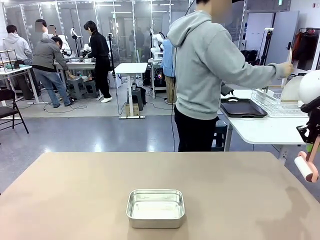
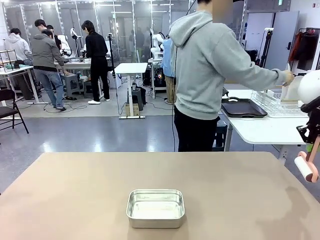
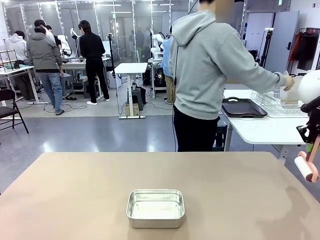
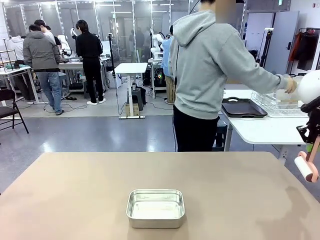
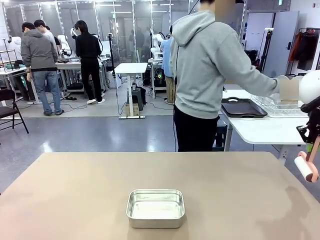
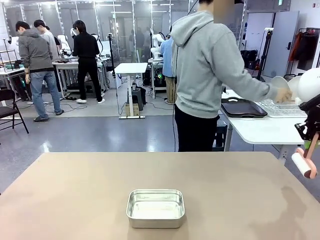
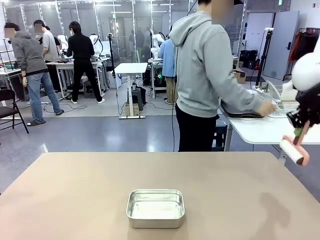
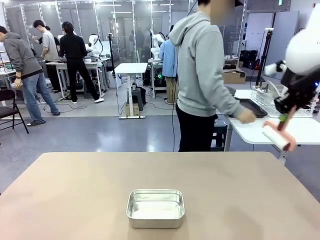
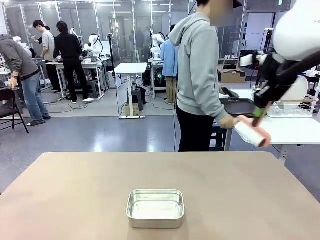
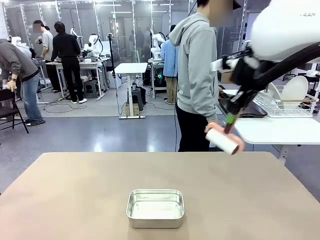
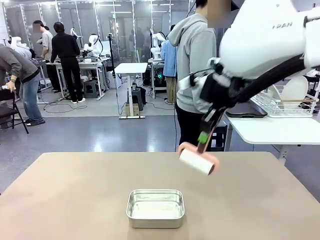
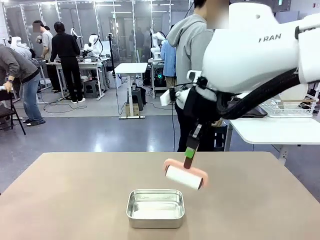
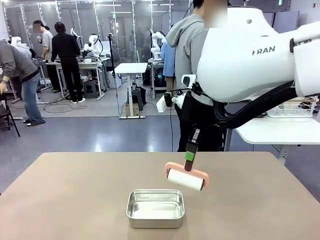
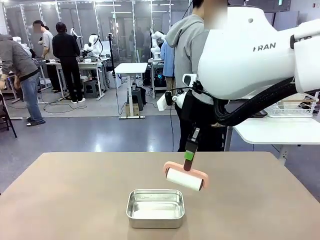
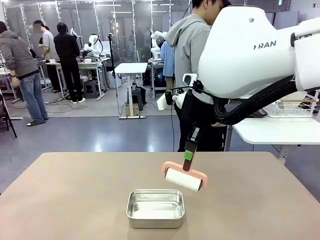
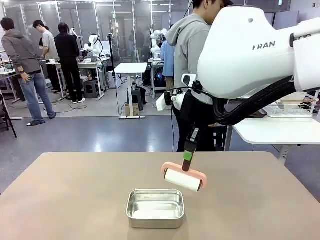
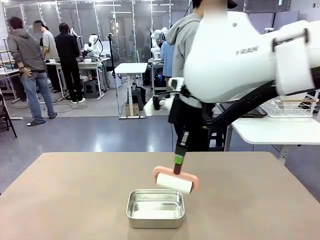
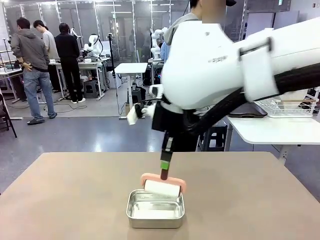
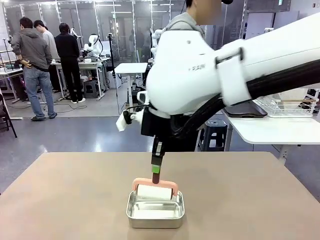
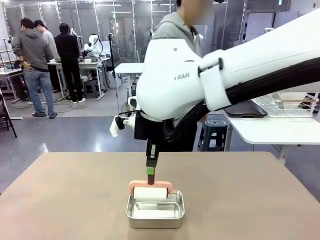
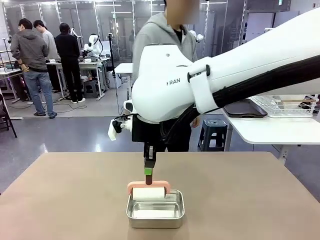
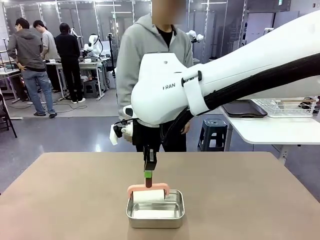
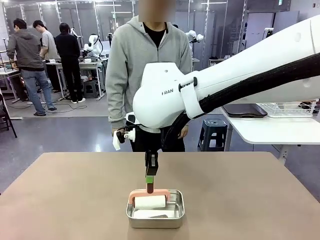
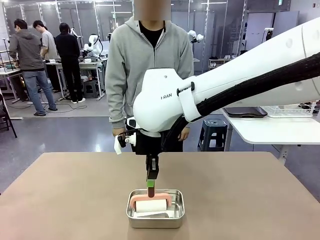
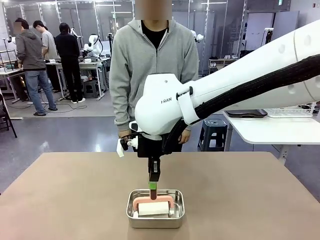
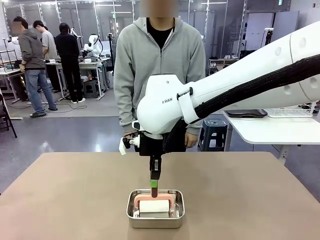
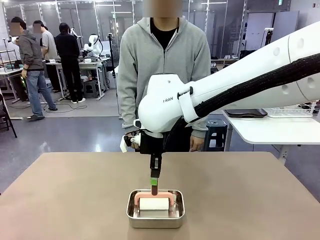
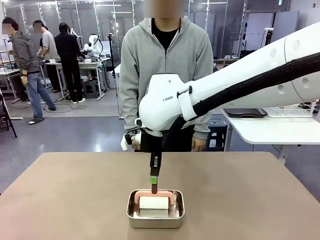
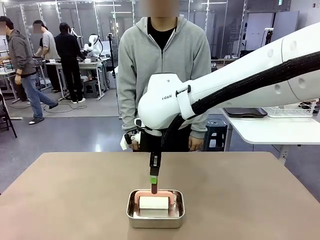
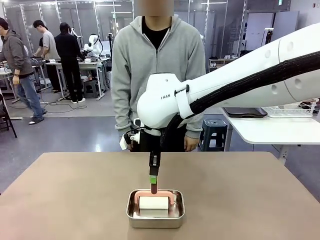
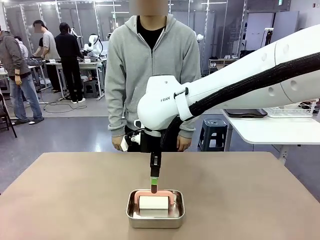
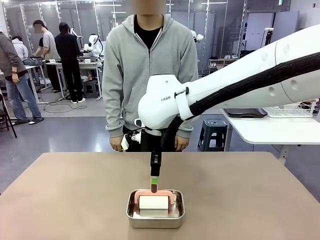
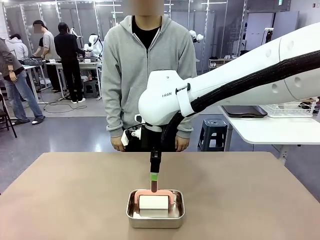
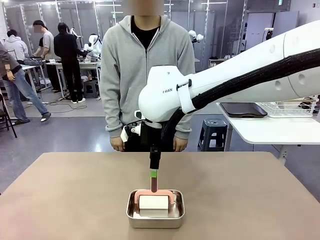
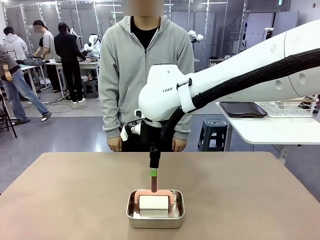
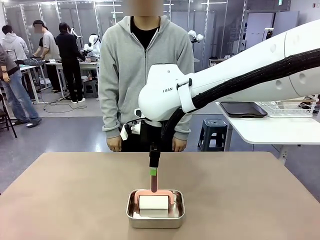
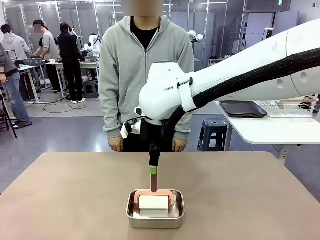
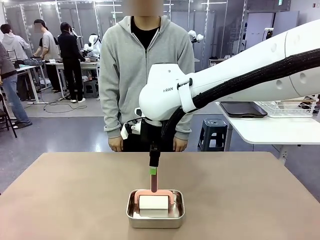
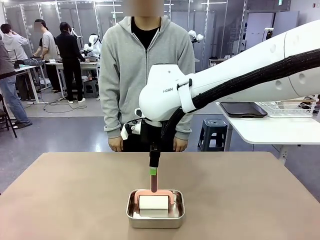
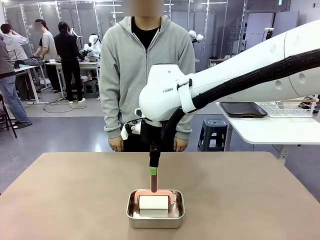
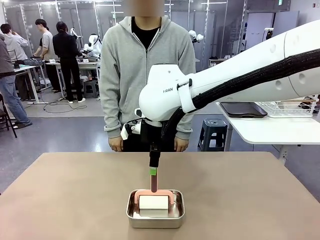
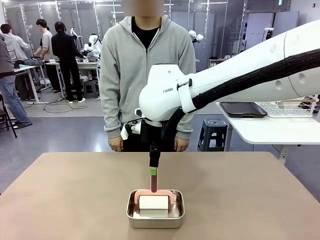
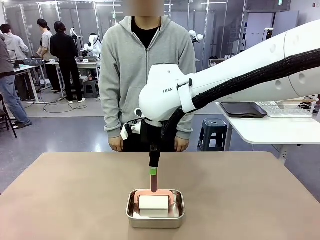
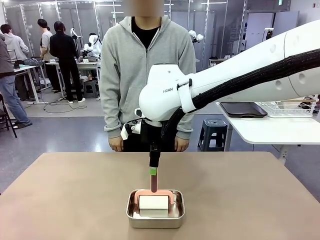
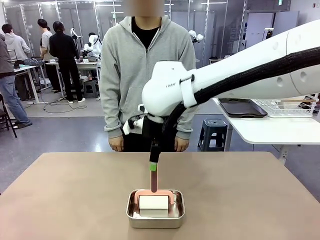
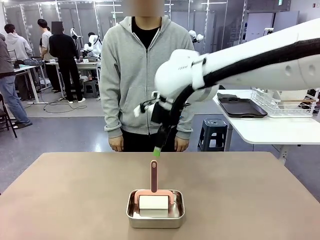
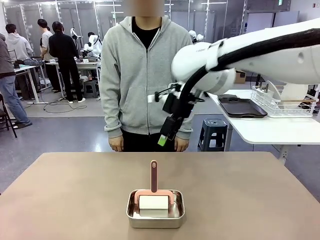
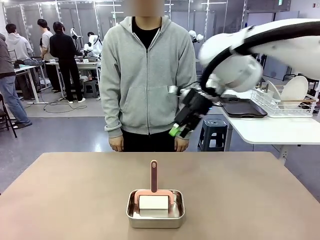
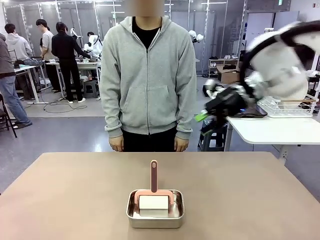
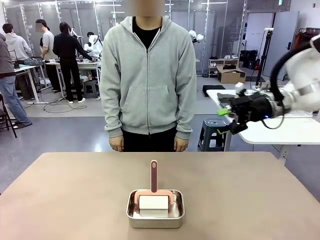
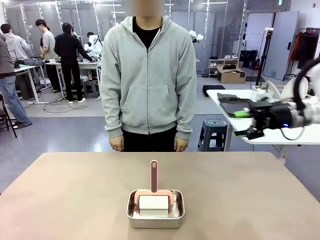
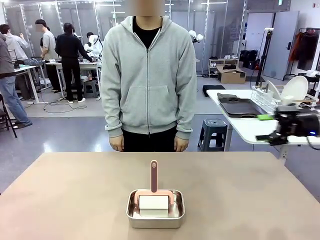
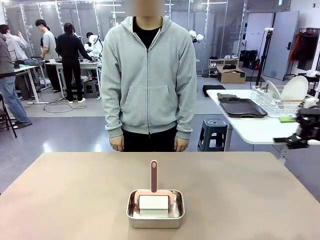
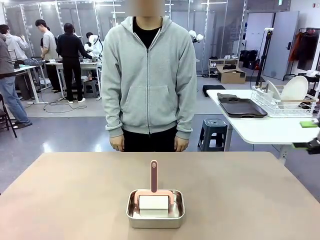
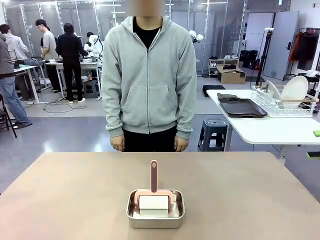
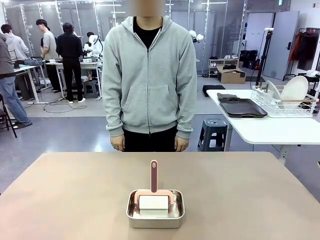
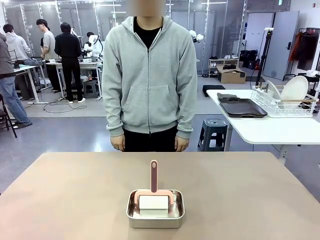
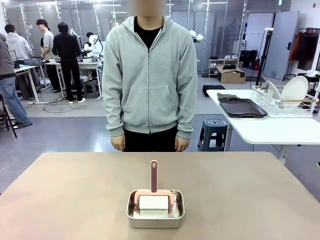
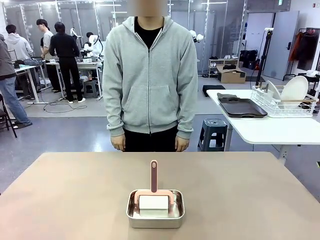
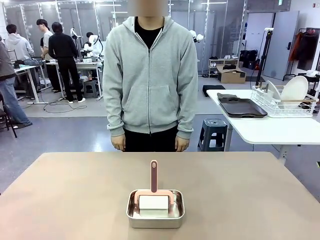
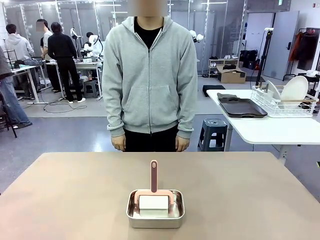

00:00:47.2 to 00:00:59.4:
Robot: Place the Lint Roller back on top of the Airtight Container.

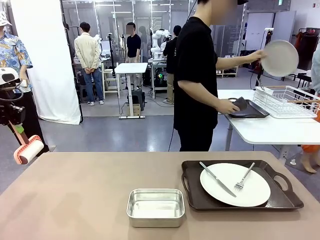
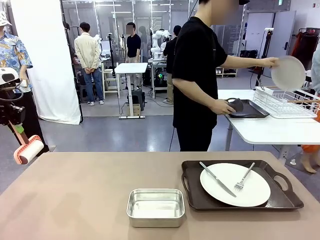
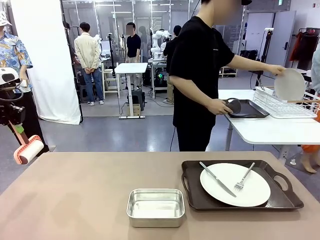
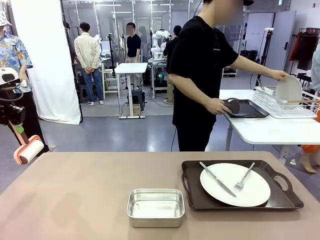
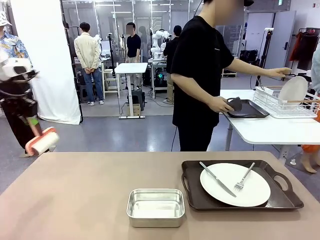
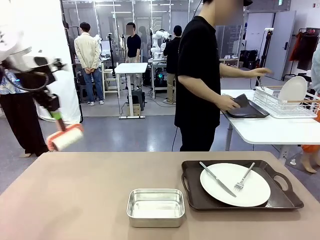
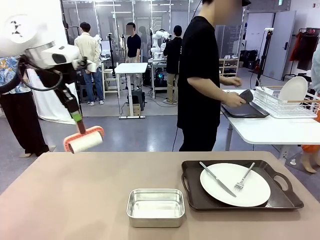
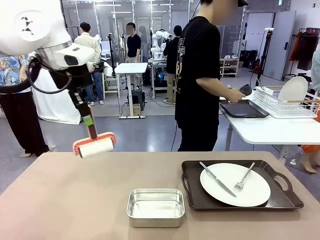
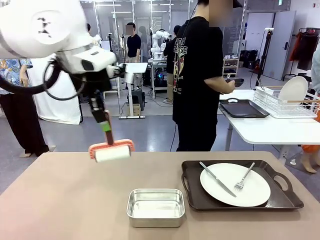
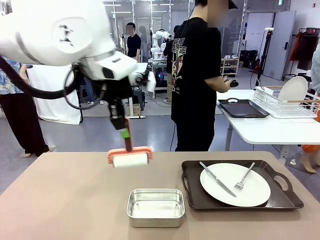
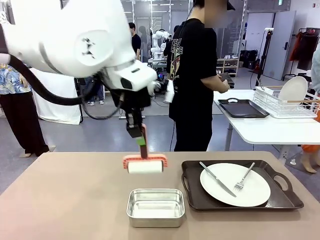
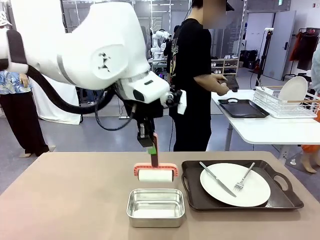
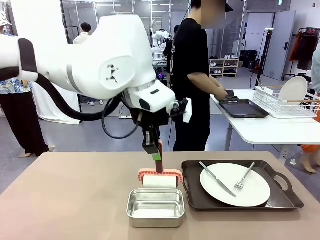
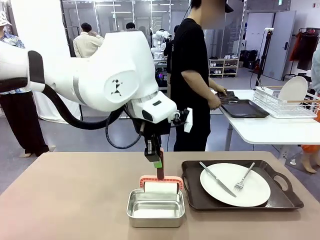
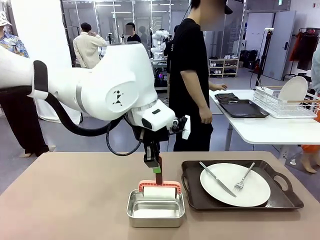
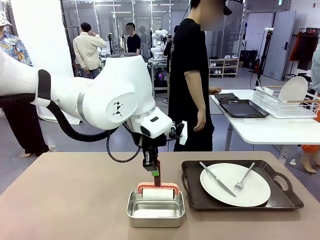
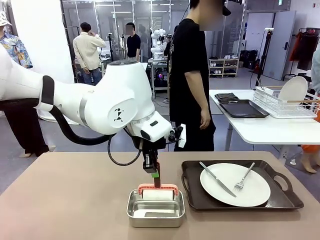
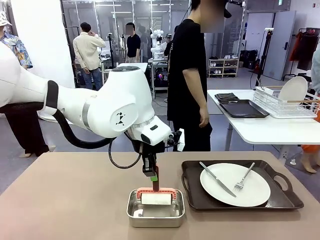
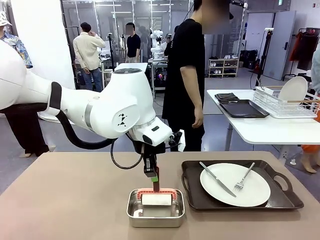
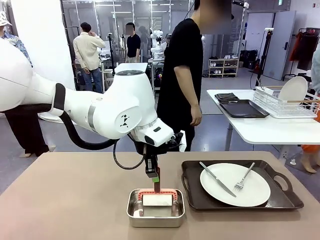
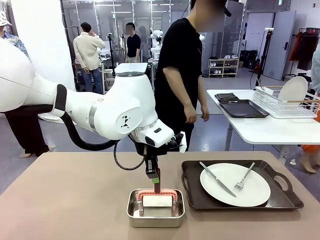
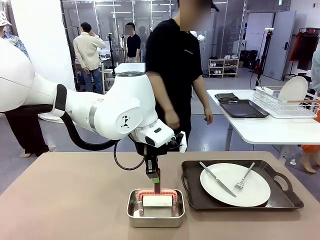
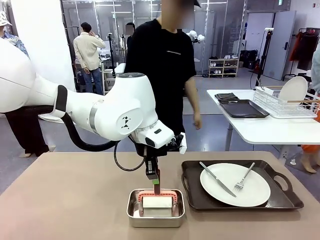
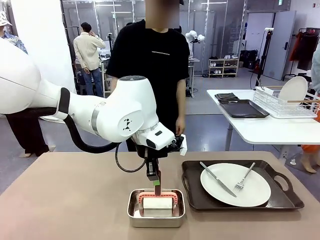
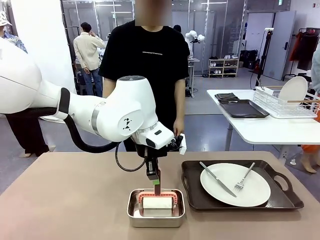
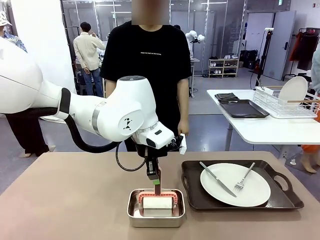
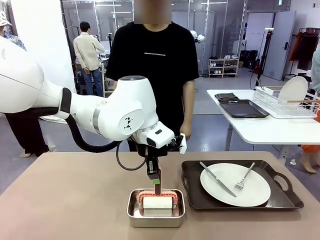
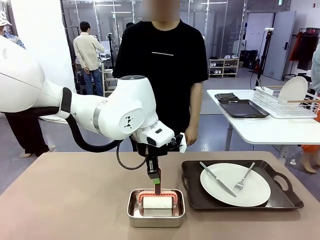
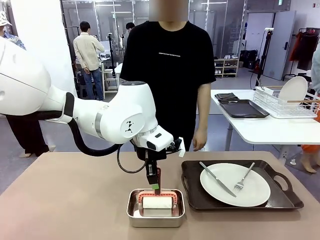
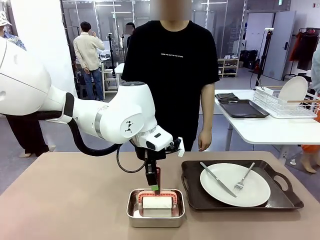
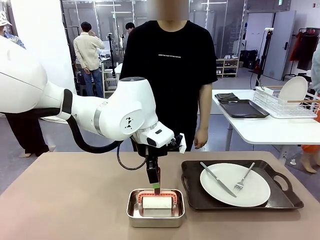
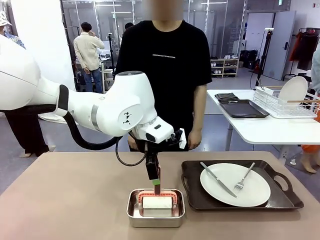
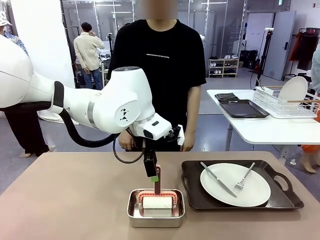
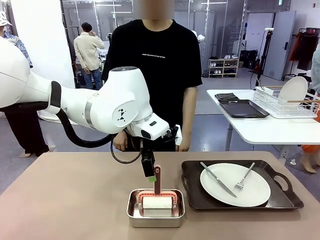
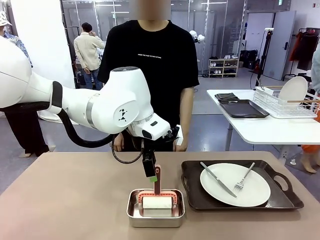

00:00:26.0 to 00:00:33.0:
Robot: Place the Lint Roller back on top of the Airtight Container.

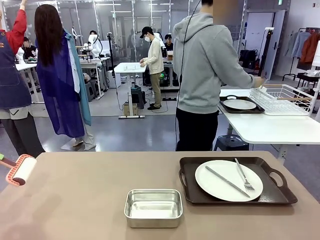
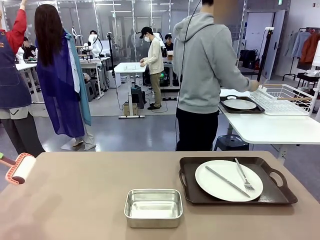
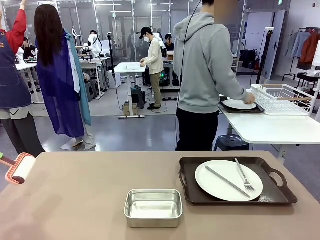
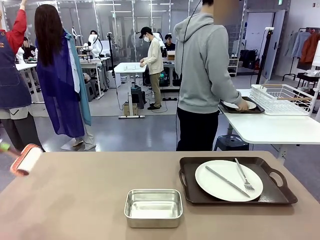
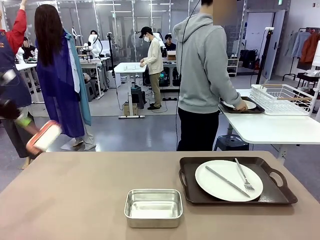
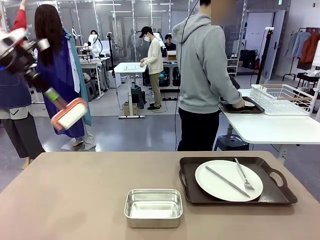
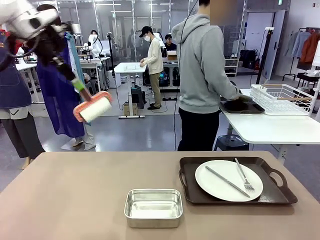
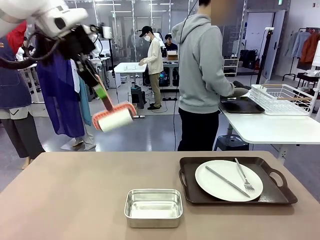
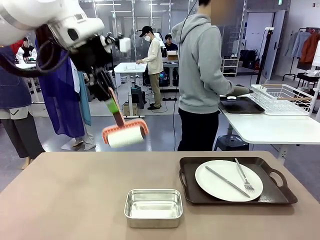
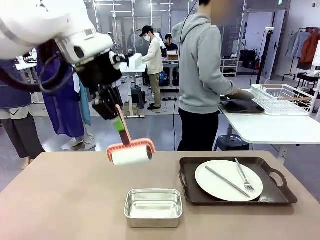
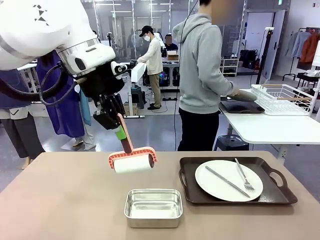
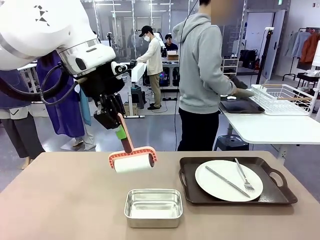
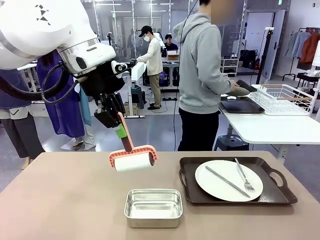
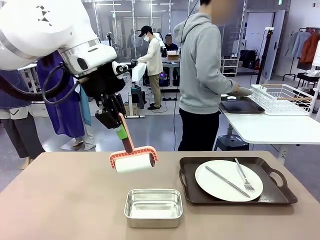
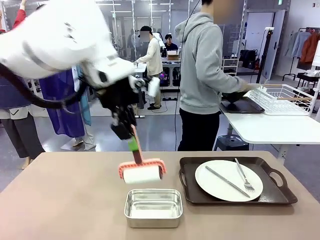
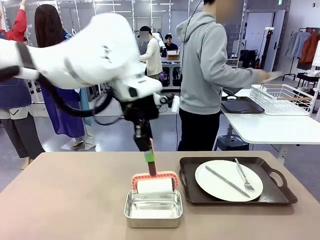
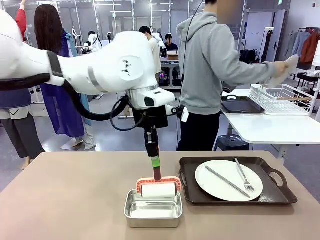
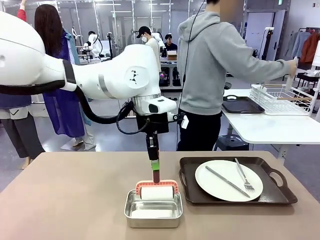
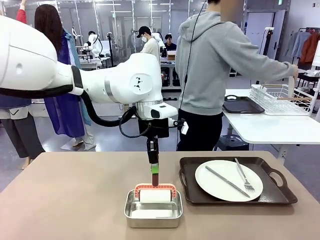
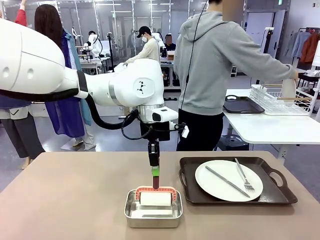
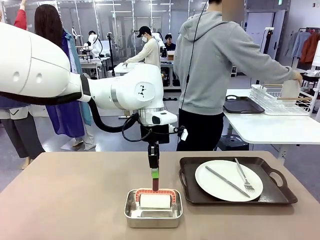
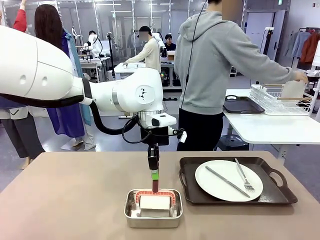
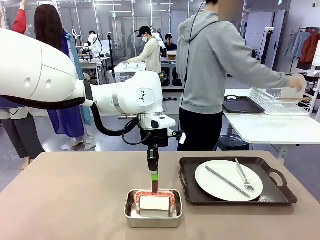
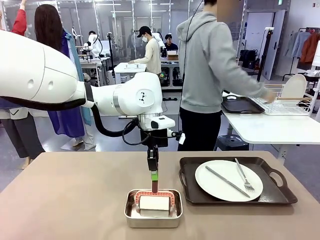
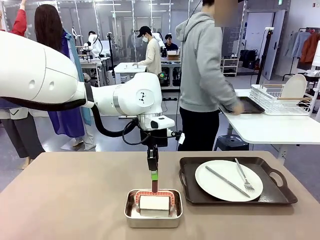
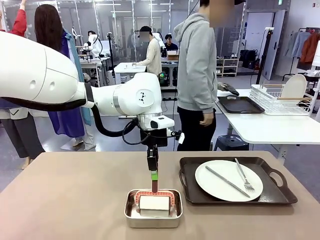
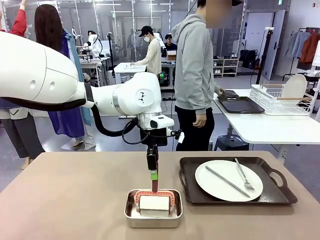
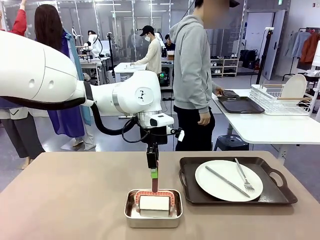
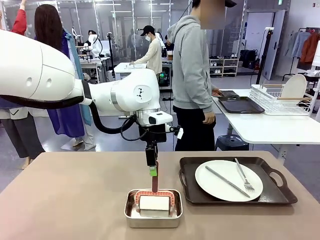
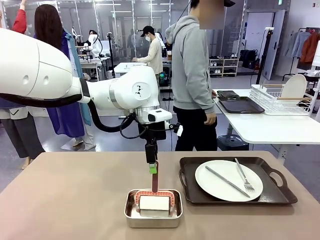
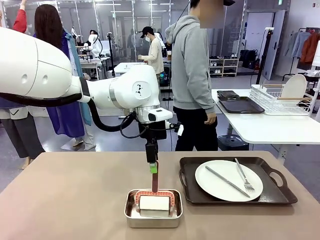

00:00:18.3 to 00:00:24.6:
Robot: Place the Lint Roller back on top of the Airtight Container.
